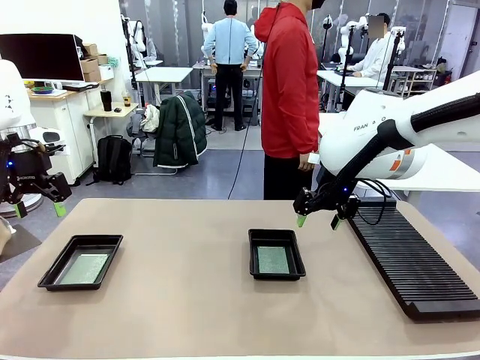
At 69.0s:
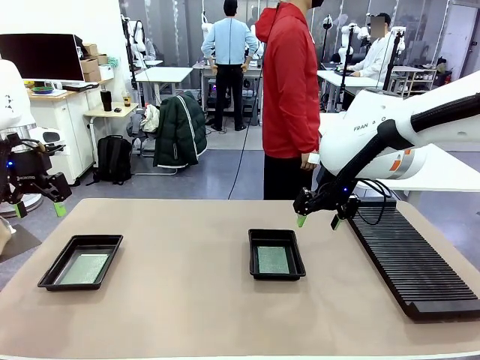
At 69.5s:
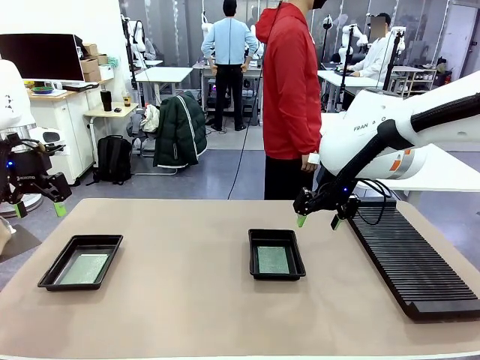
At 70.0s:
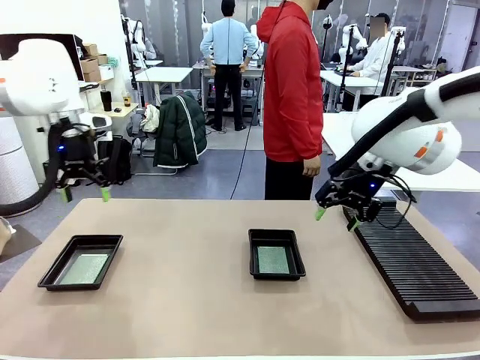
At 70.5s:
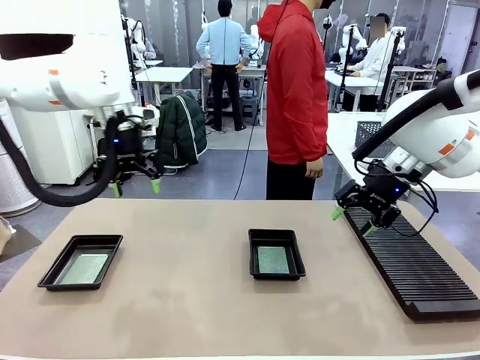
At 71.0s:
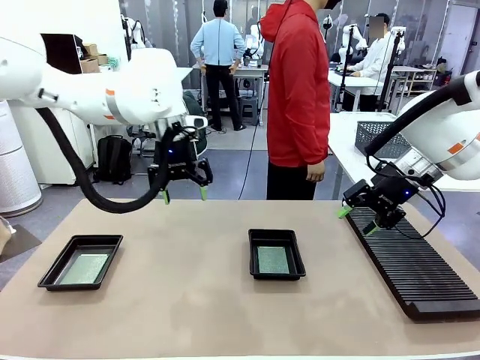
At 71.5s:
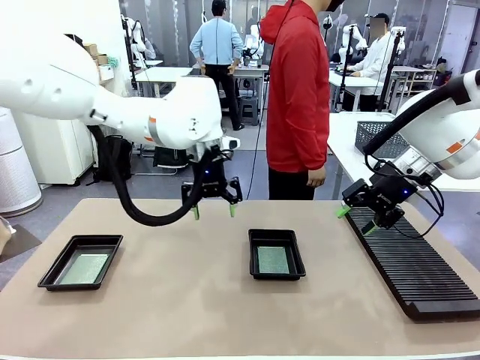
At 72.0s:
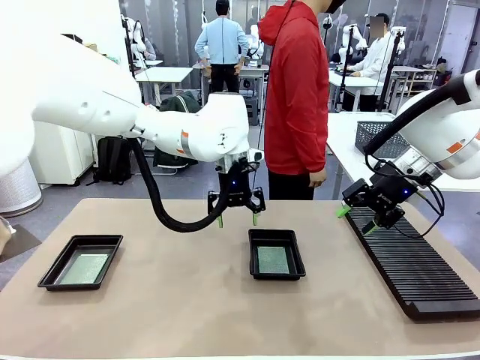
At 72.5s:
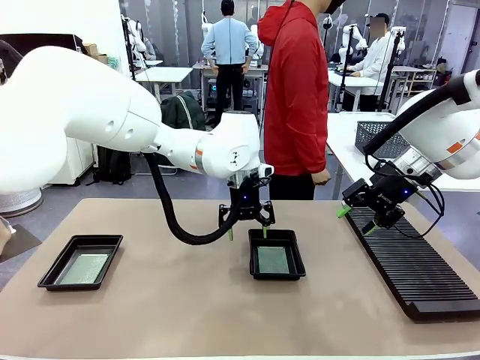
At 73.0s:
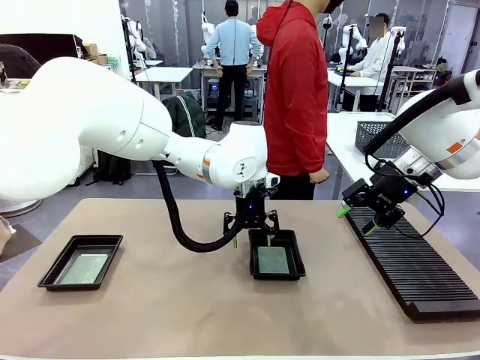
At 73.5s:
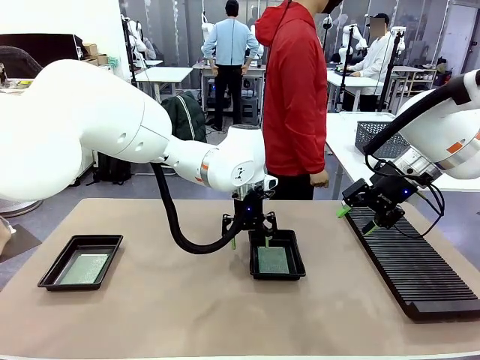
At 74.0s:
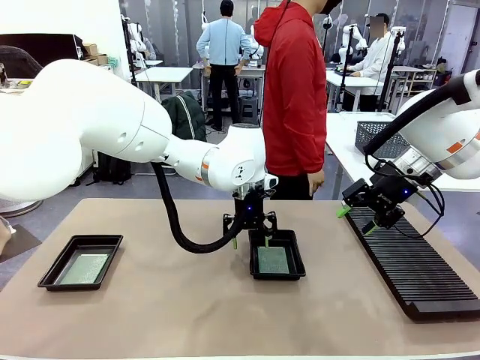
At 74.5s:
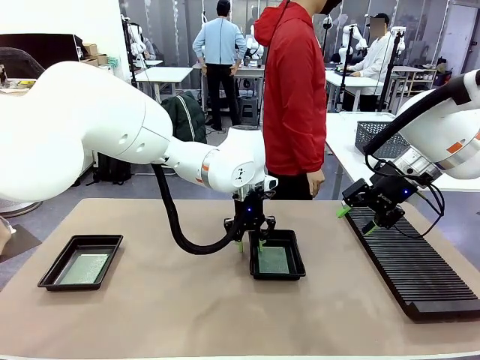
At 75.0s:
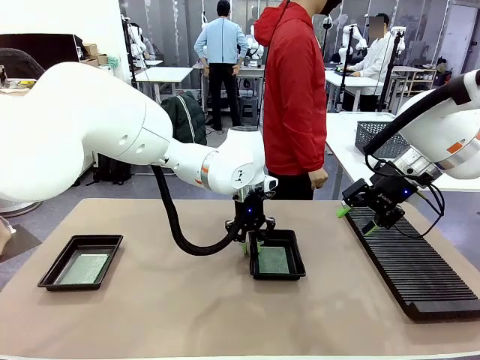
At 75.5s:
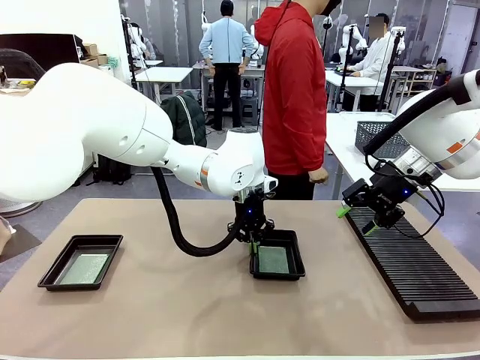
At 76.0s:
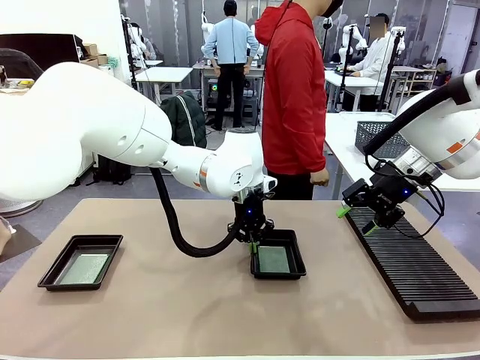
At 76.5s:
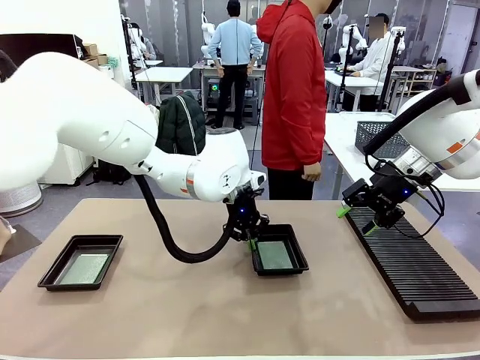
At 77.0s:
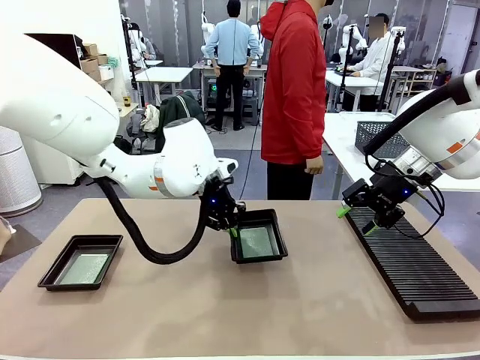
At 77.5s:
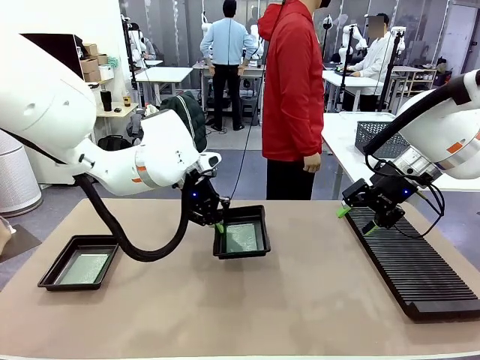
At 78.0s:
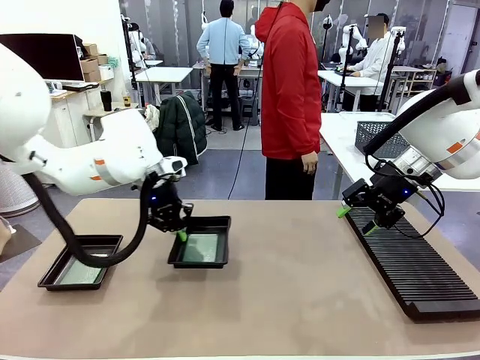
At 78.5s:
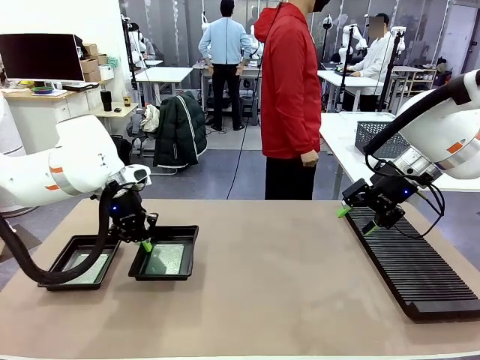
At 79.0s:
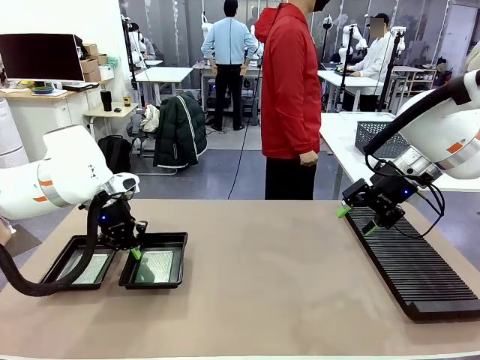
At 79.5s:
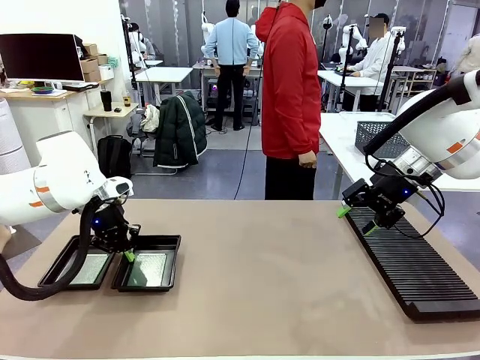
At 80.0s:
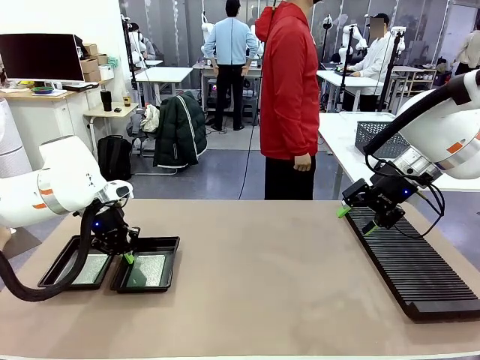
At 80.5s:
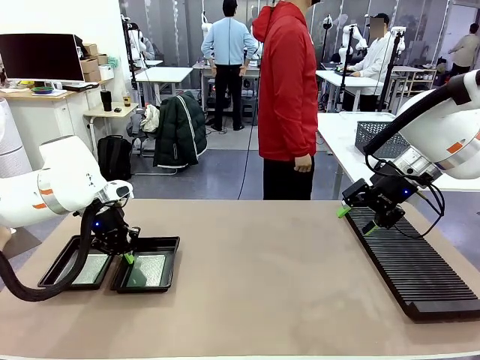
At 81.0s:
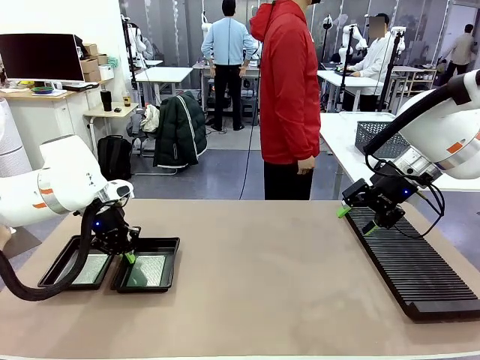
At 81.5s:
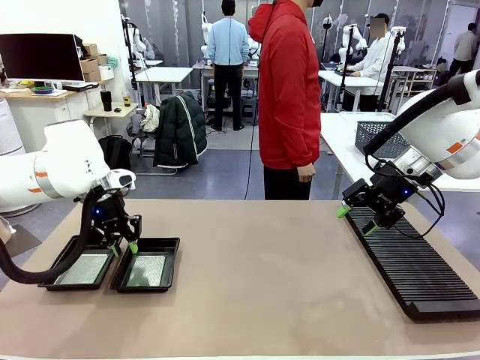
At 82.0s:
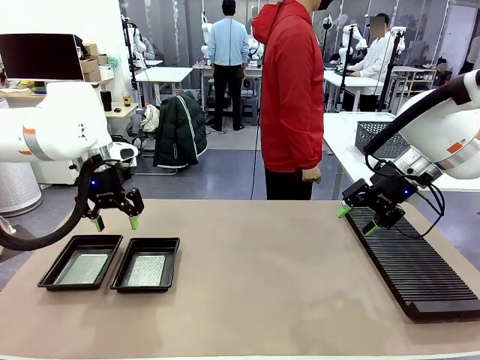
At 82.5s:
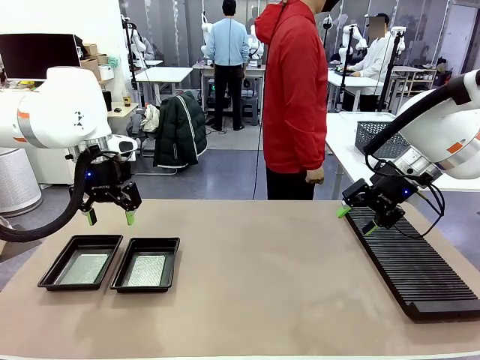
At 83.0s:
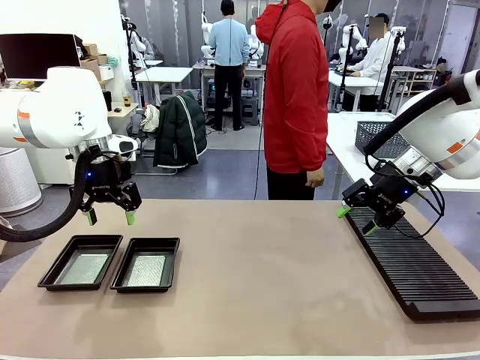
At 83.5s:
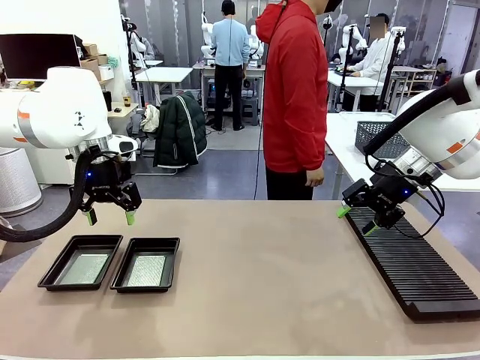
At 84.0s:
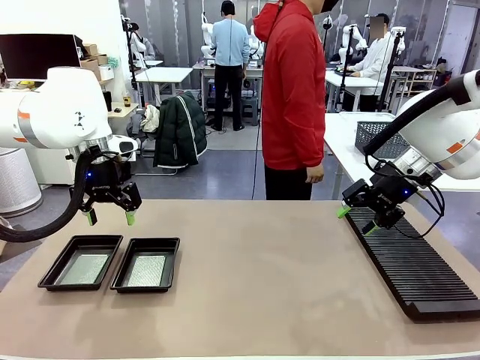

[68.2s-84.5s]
Task: Inspect and transfer BCBs to ESD trays.
Robot: Pick up the ESD tray and place it on the left side of the table.

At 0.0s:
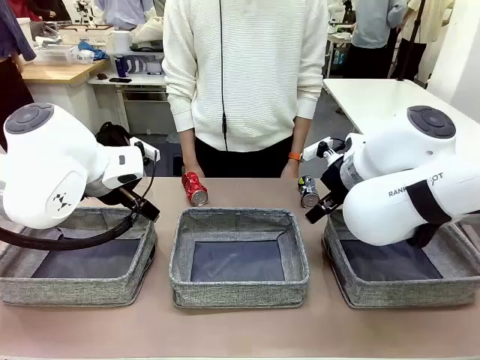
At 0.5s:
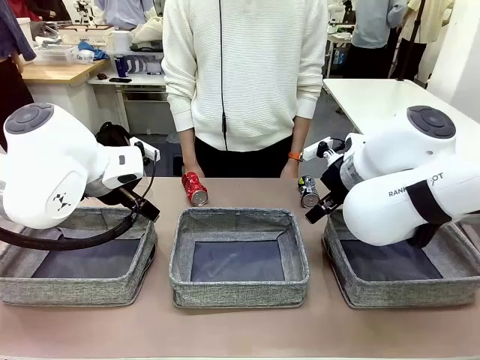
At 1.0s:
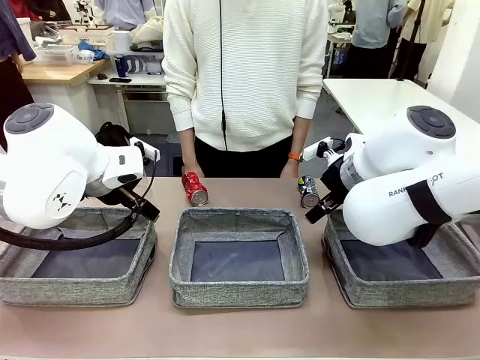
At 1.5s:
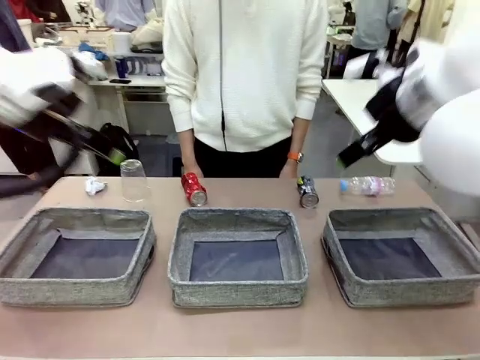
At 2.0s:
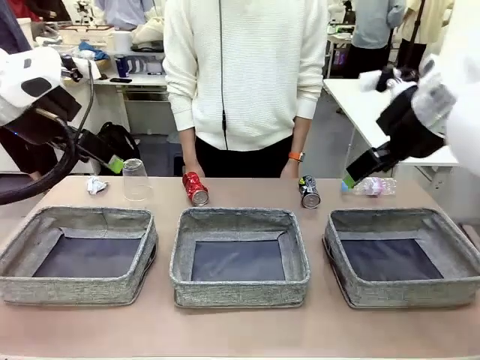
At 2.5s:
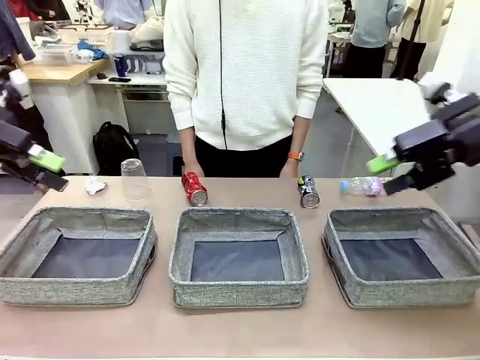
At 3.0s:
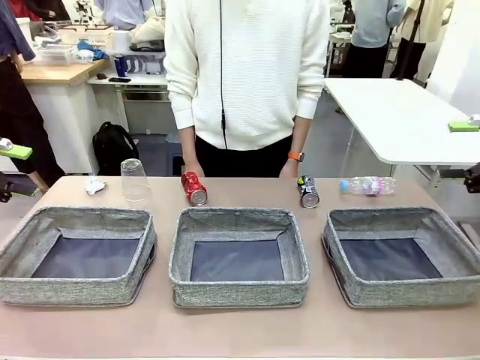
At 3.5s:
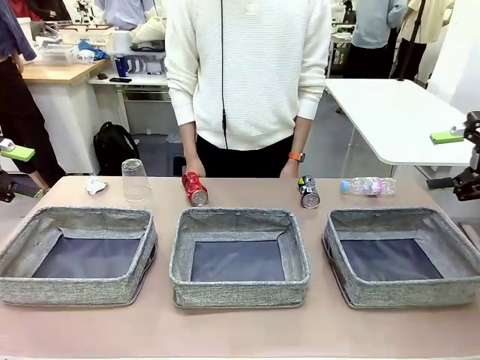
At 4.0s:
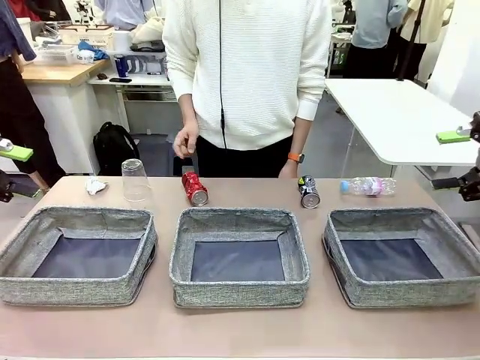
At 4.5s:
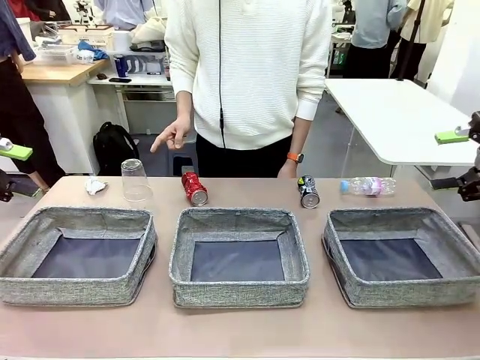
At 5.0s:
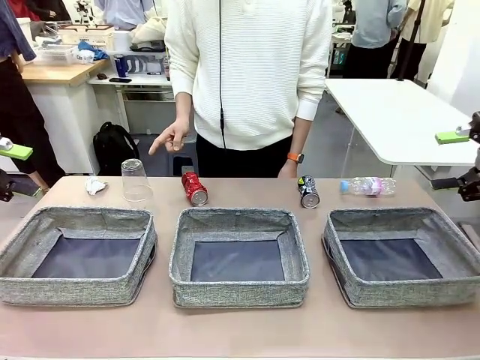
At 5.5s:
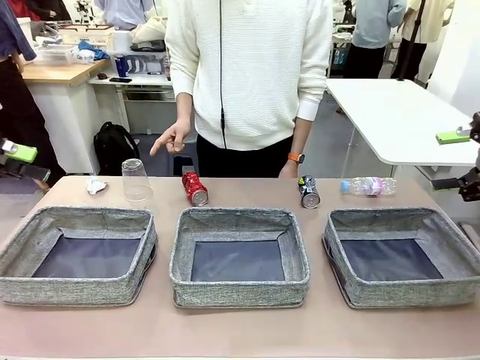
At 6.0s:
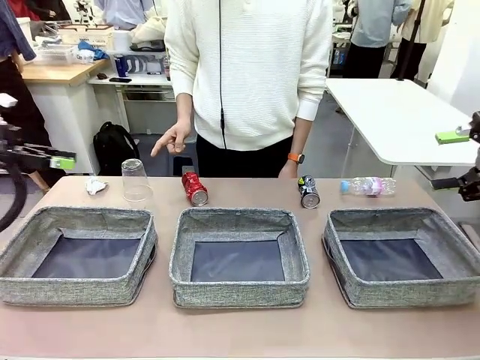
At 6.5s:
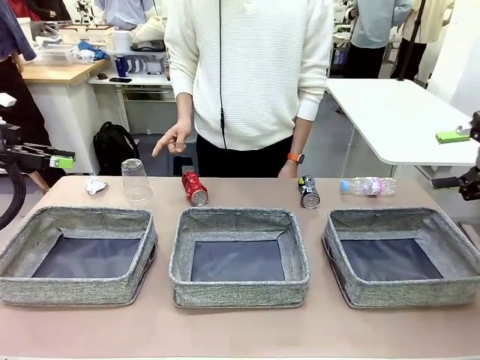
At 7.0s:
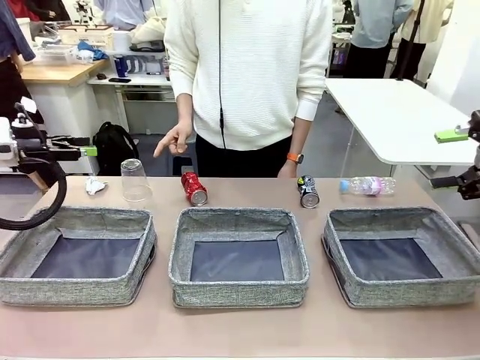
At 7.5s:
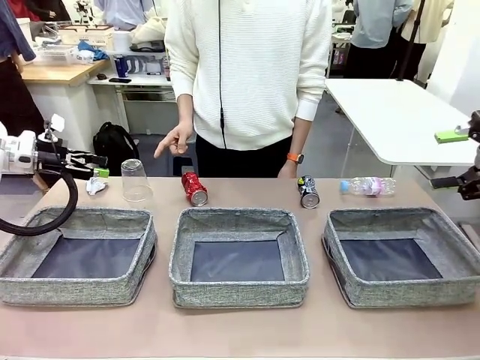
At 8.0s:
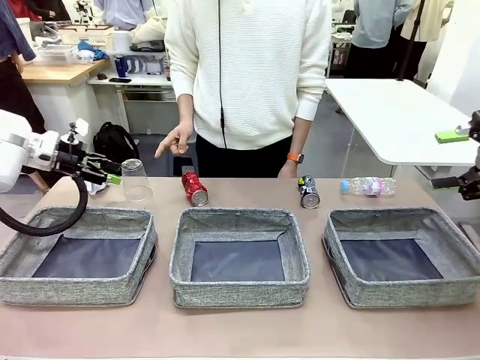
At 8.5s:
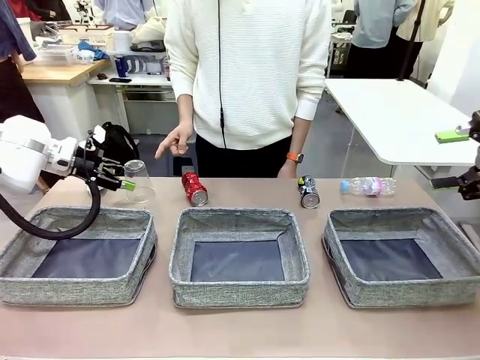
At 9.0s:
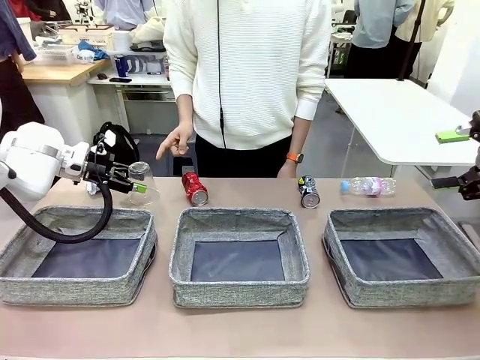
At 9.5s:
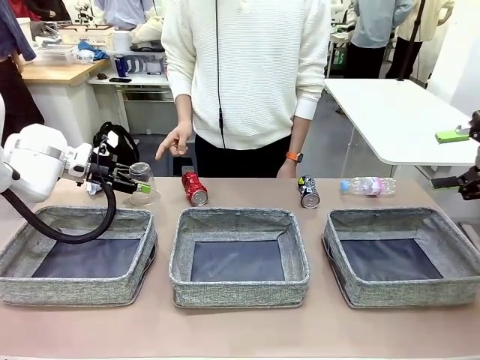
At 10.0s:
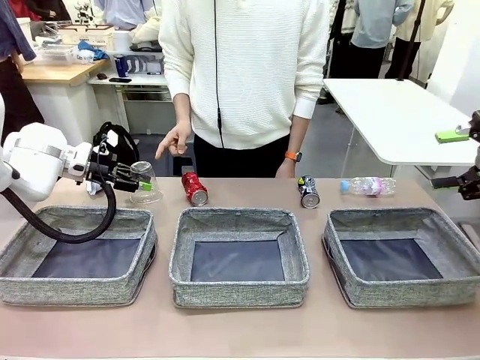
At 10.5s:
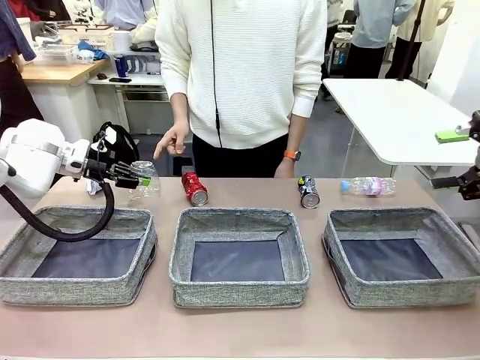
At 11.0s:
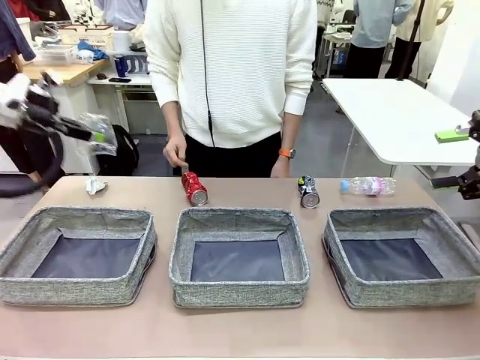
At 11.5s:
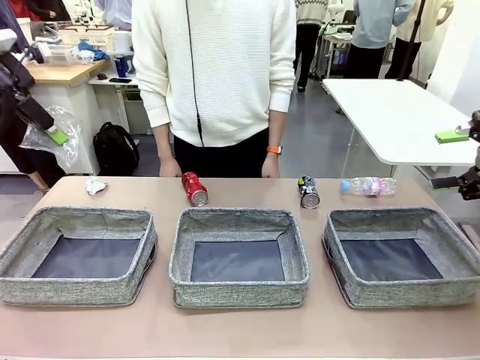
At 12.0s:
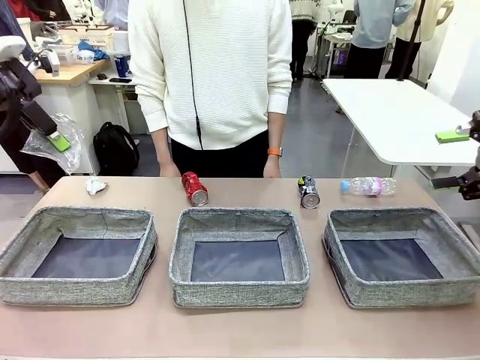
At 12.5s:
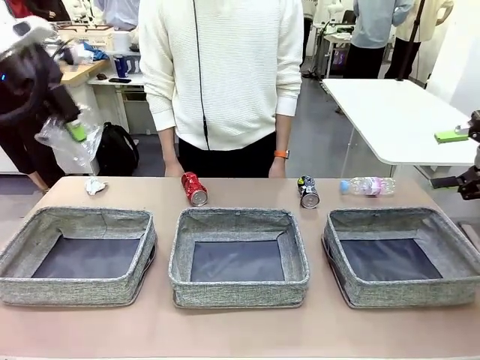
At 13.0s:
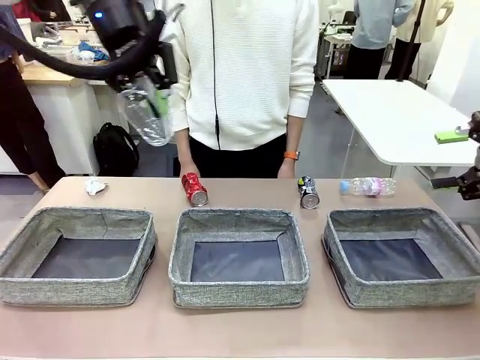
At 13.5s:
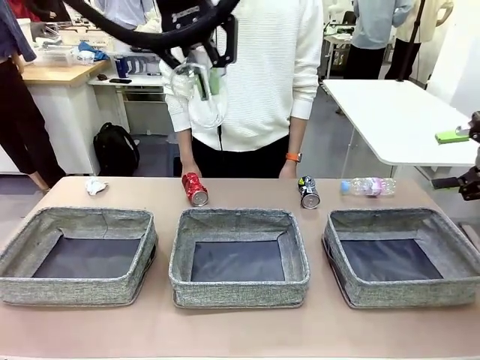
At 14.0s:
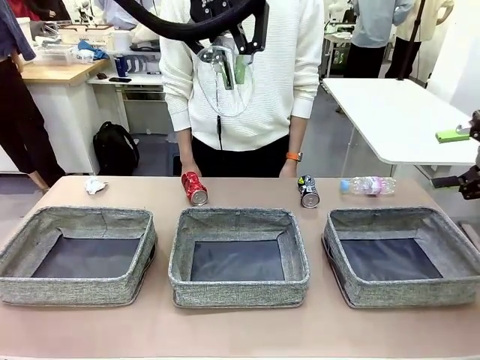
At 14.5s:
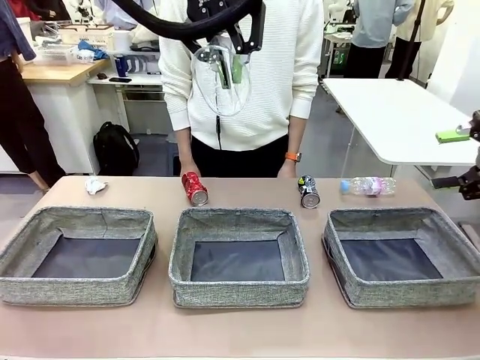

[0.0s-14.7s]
Task: Sort the waste into the appropriate baskets.
Robot: Pick up the waste item pointed out by the person.
Person: Points to one piece of trash on the table.
